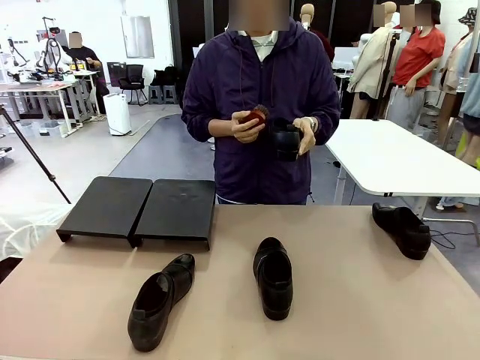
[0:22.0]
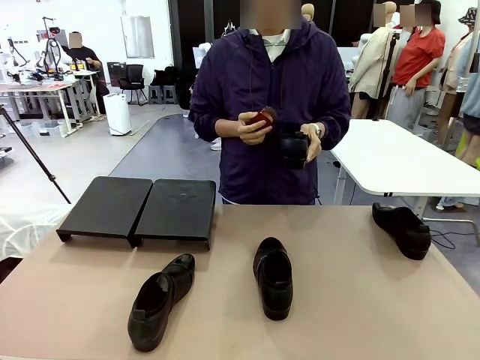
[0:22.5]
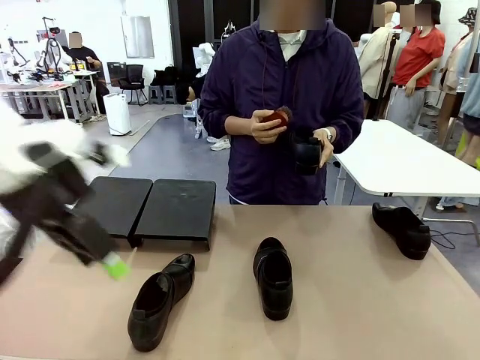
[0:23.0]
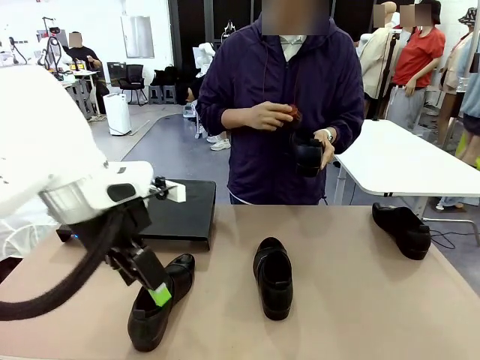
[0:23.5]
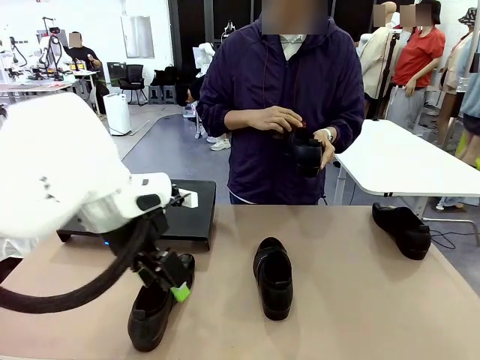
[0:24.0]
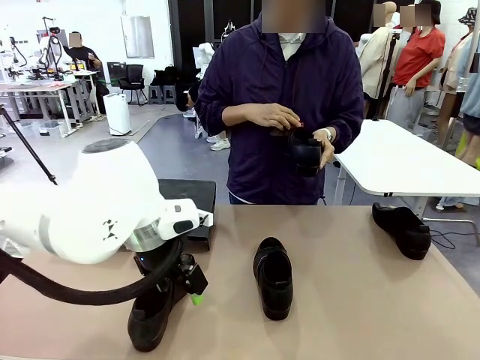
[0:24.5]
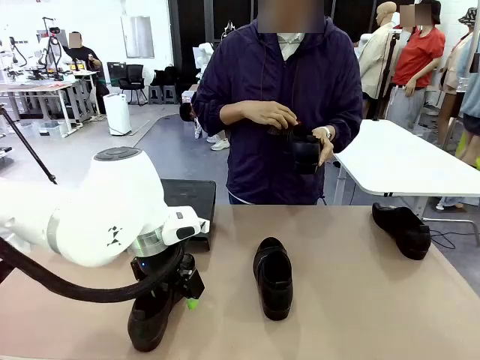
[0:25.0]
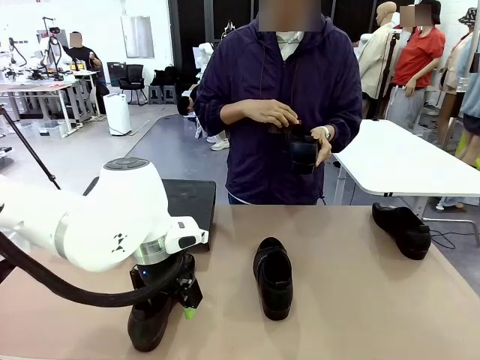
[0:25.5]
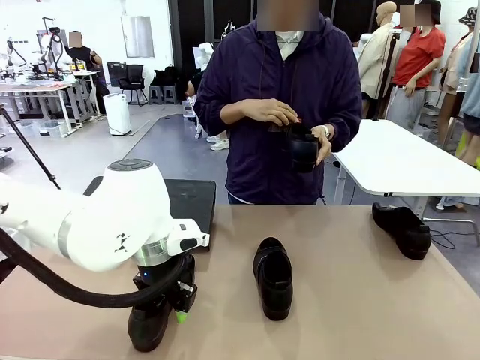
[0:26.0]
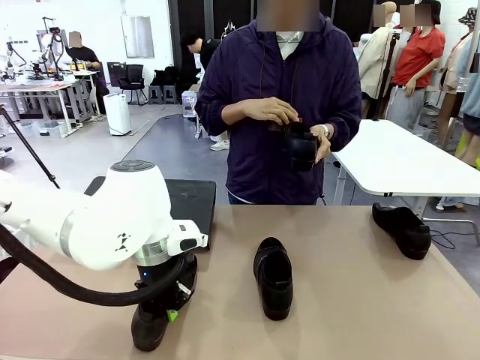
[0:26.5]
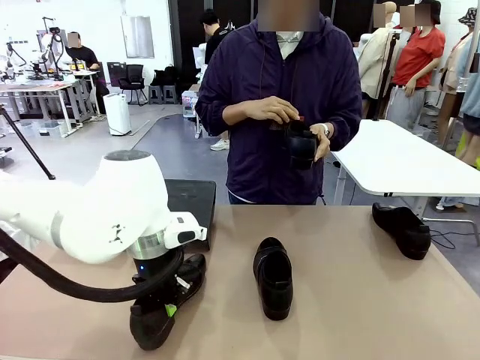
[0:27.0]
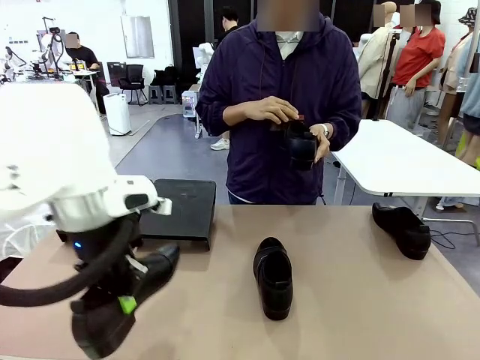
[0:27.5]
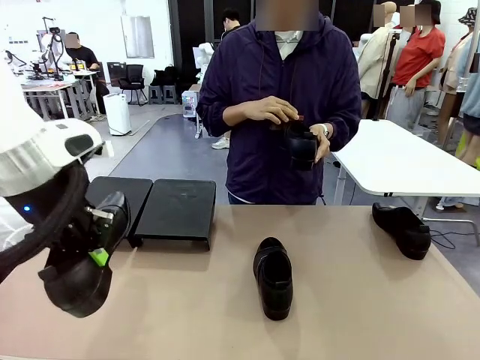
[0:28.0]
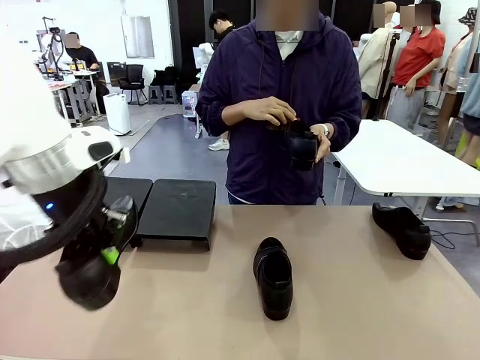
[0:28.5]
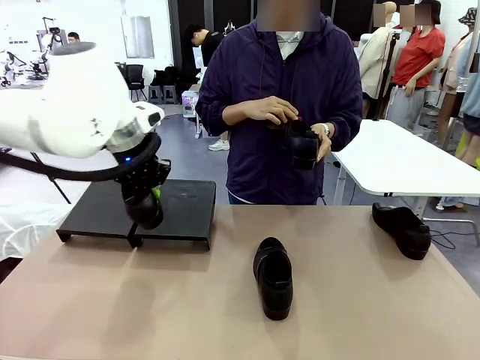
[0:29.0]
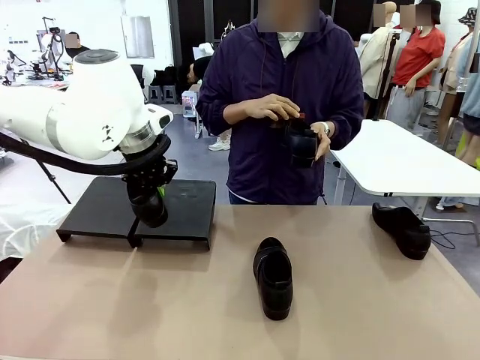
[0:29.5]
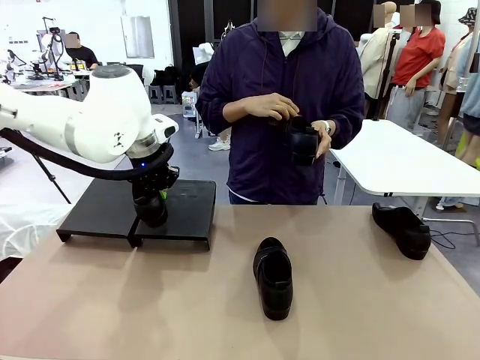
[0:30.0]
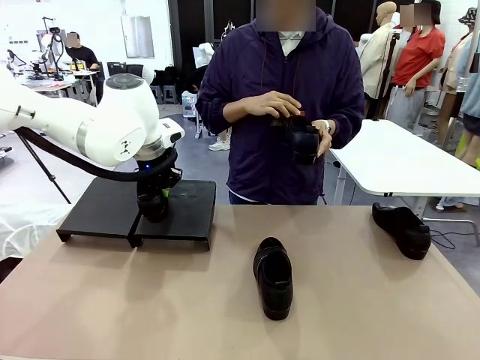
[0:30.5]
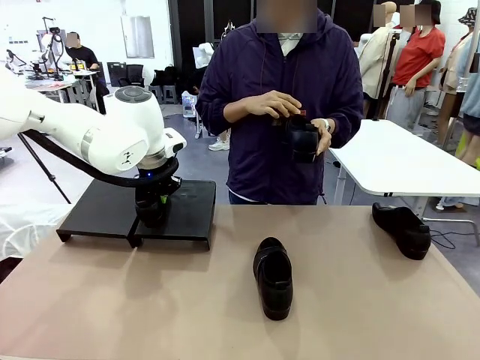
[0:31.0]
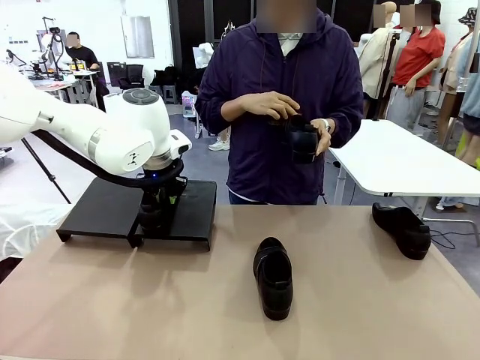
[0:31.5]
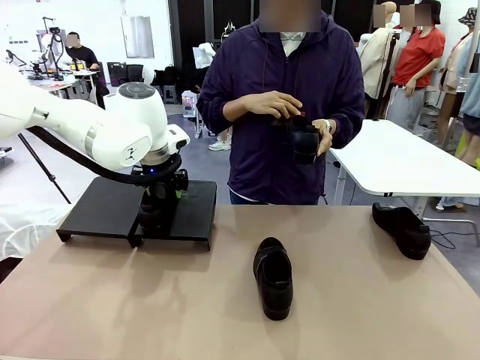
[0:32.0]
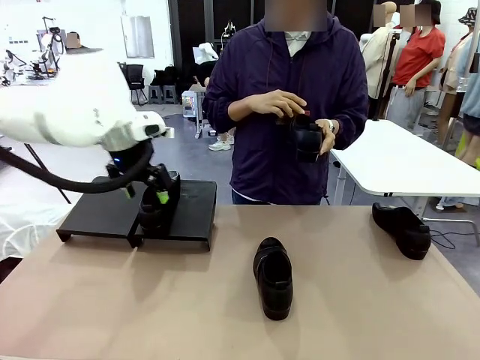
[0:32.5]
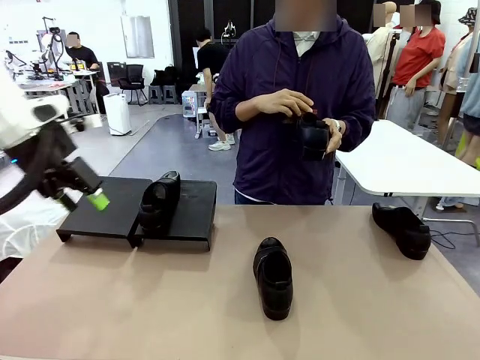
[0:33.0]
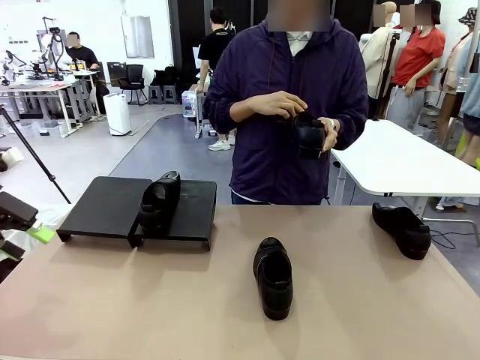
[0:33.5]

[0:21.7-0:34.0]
Task: Organize the shoes by placing them on the stand.
Robot: Place the Shoe from the middle of the table onto the Shoes Stand.
Person: Clean the Shoe with the Shoe Brush.

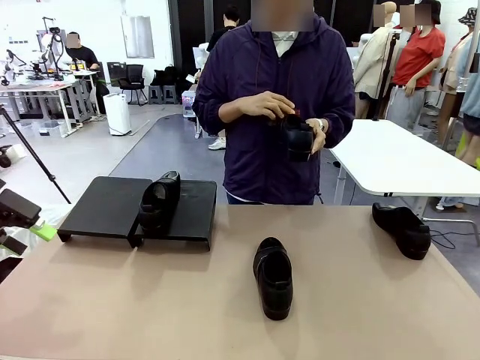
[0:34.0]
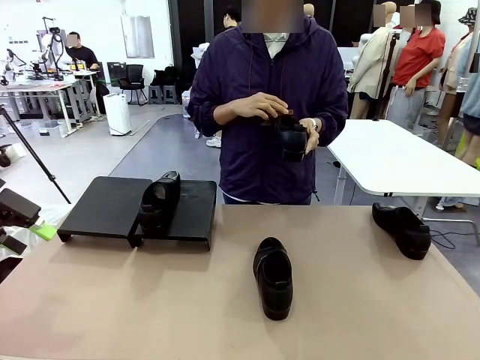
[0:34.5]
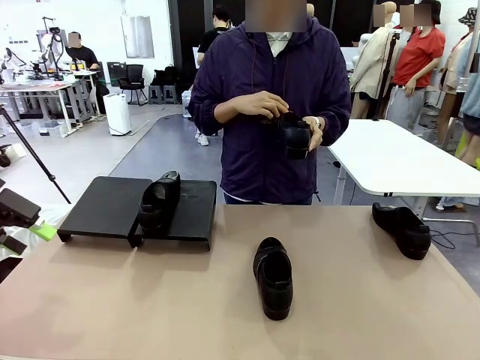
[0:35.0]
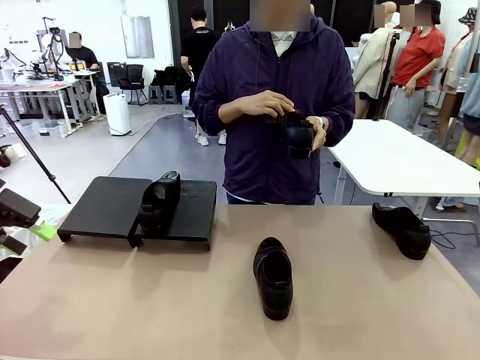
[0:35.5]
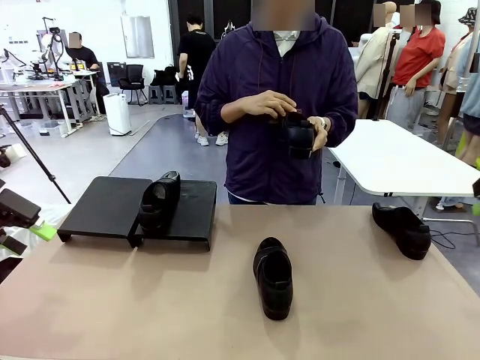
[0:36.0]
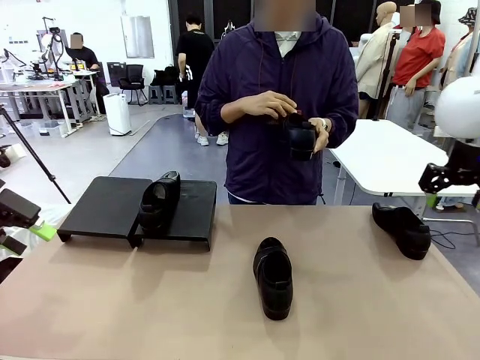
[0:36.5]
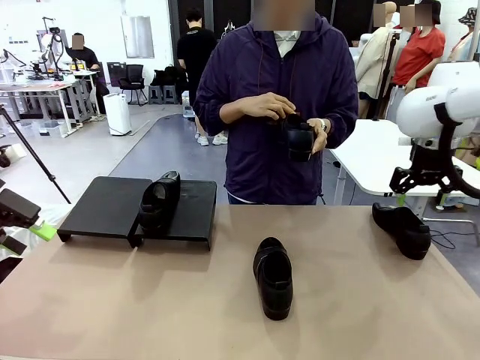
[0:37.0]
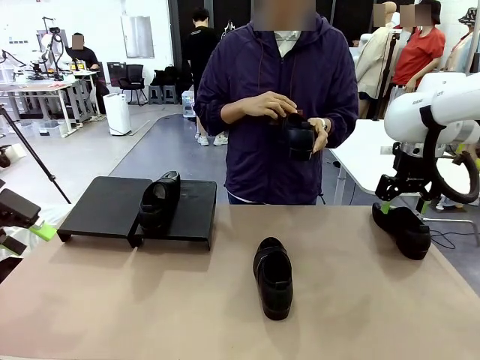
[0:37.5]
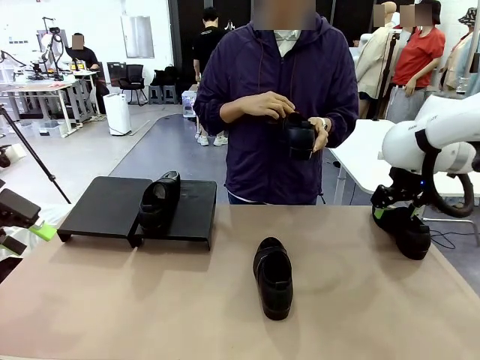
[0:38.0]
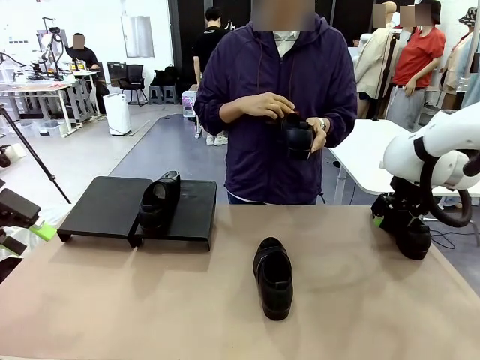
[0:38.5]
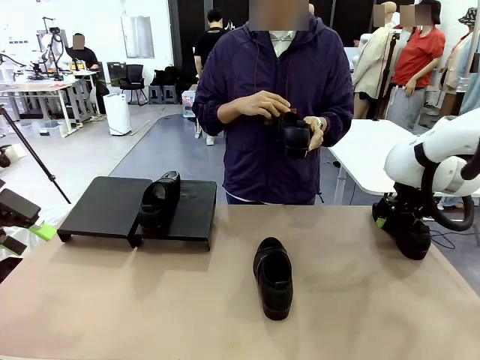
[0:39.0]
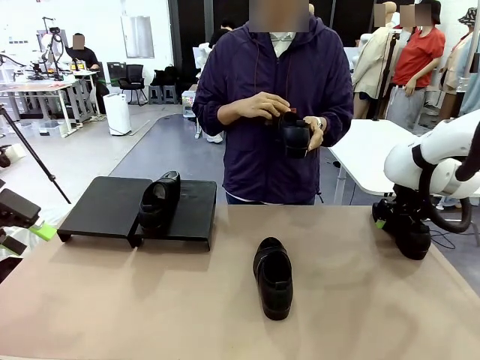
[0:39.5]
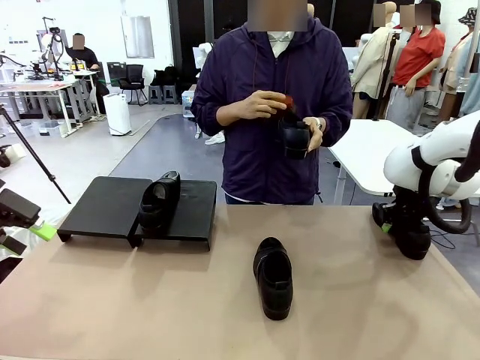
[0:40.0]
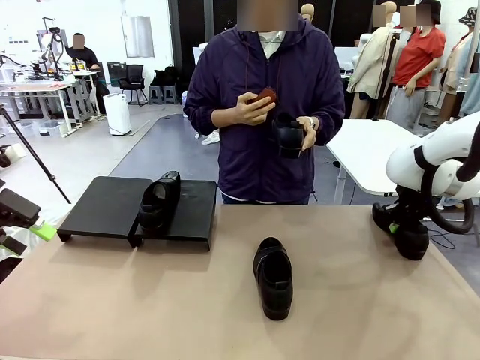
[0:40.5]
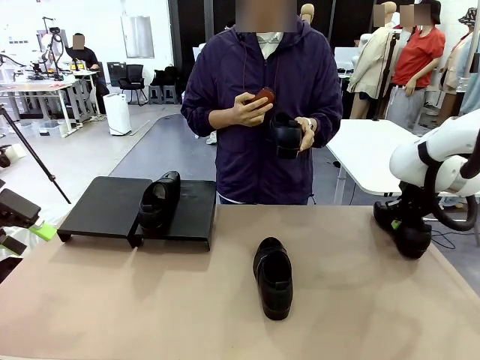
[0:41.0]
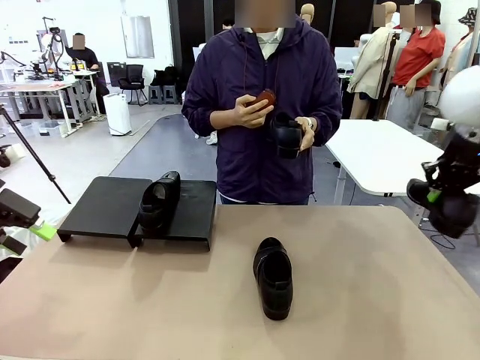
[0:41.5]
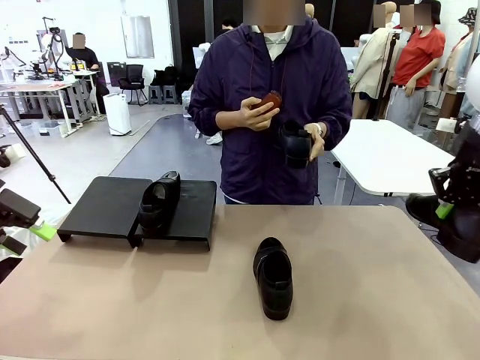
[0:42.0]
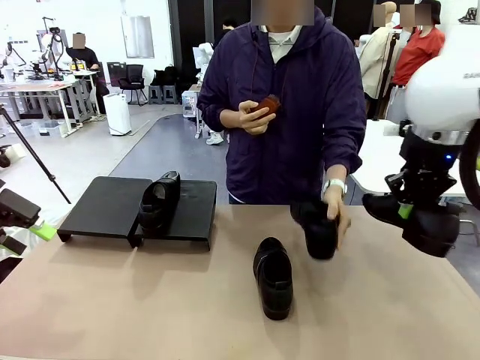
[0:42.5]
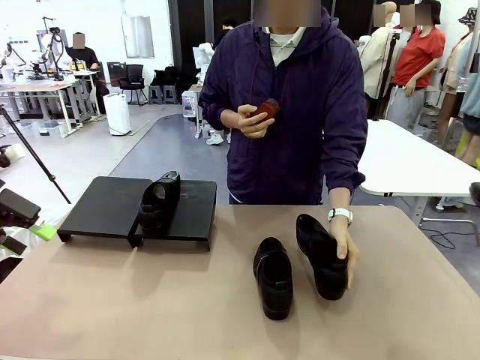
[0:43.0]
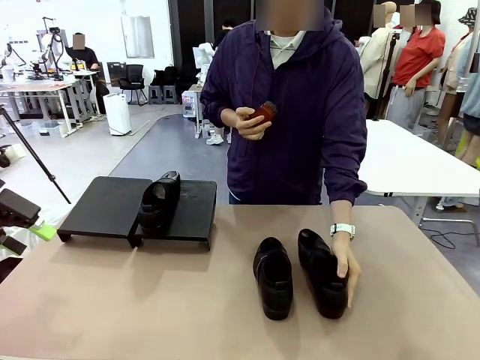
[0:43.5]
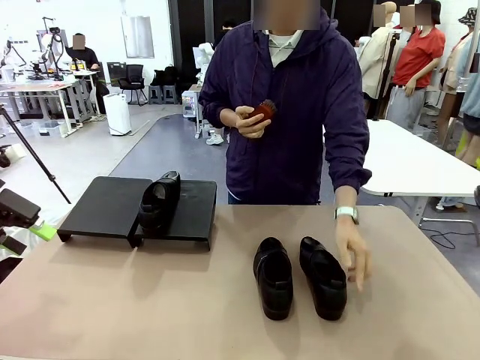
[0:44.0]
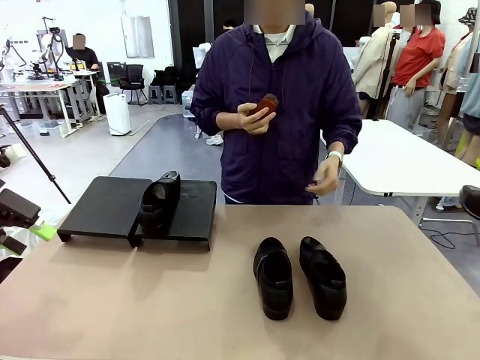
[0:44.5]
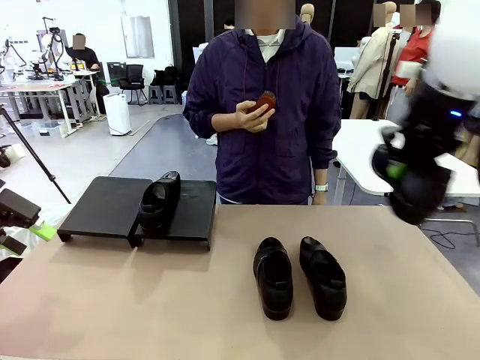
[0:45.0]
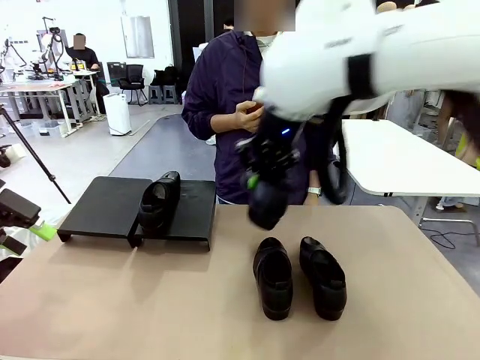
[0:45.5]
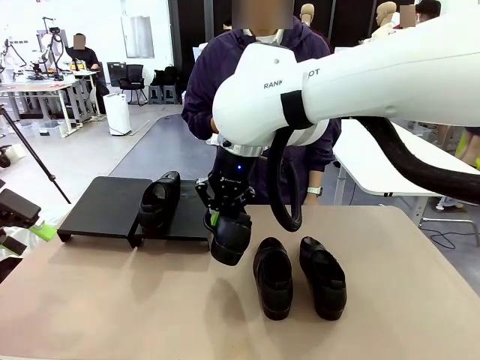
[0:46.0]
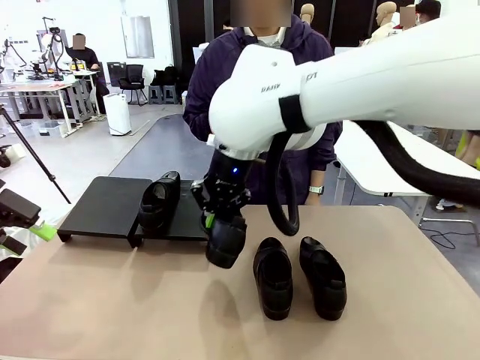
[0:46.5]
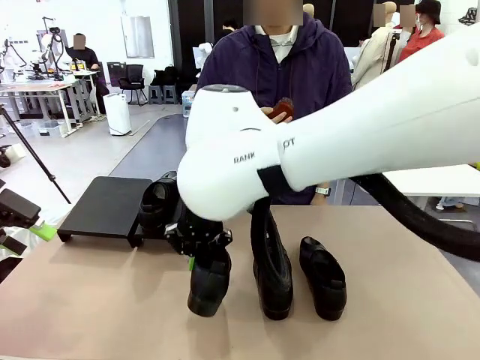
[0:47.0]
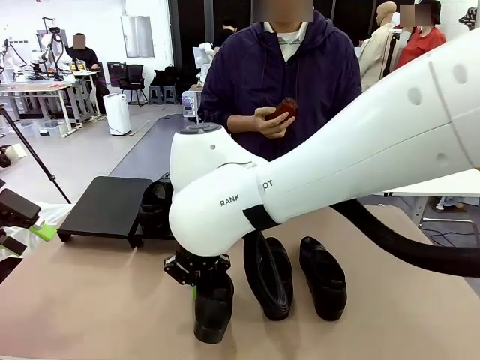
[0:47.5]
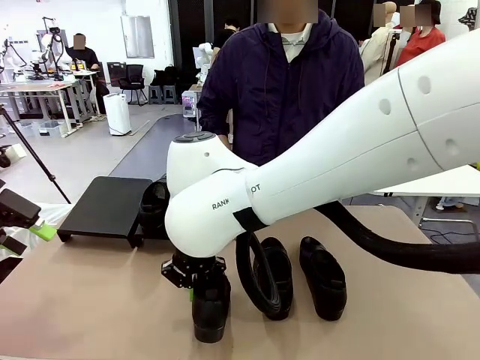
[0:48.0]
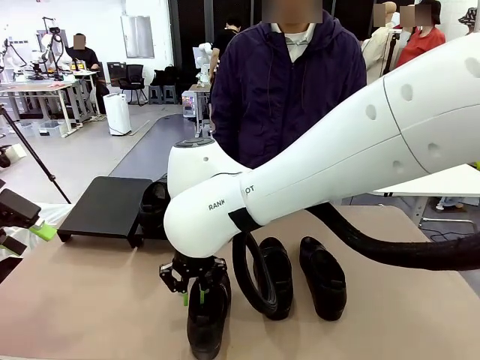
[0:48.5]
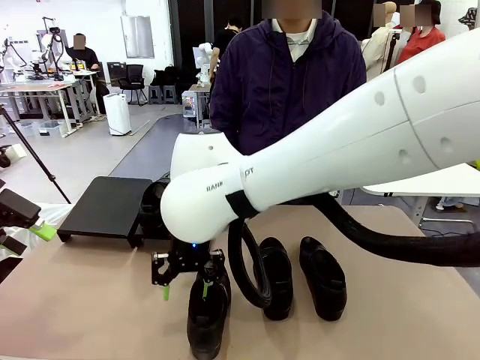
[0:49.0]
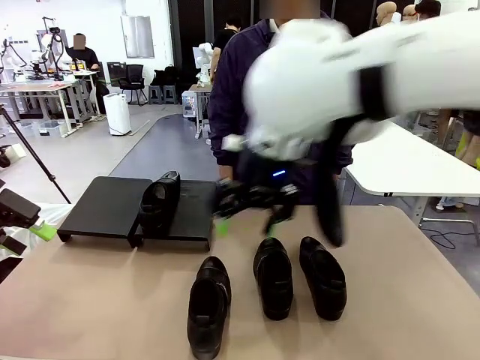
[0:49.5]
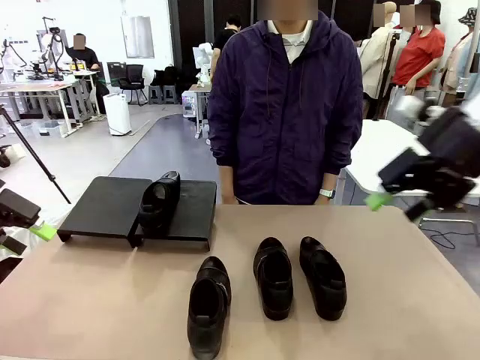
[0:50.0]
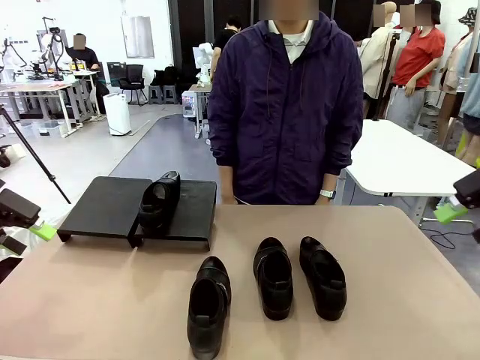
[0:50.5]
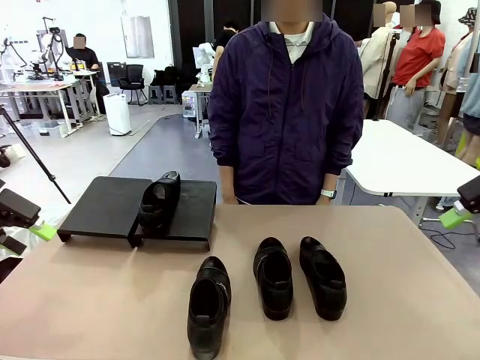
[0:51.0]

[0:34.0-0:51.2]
Robot: Pick up one Shoe and place it in the middle of the table.
